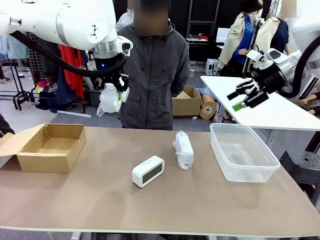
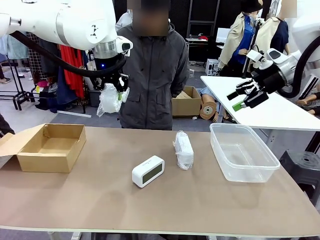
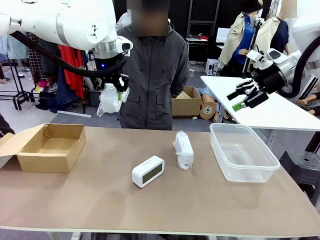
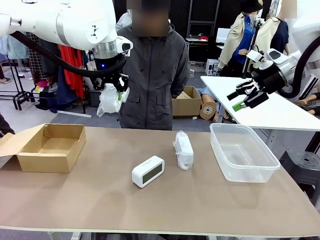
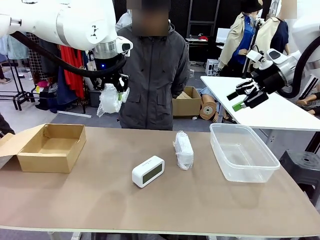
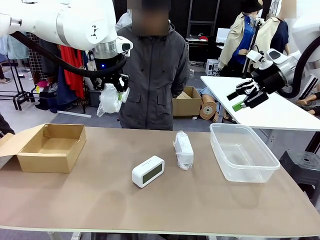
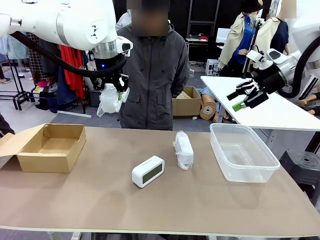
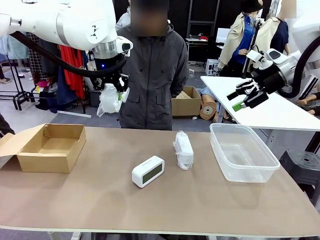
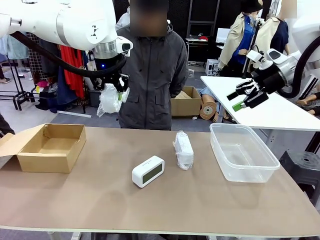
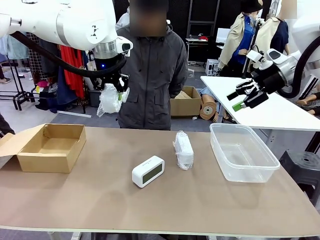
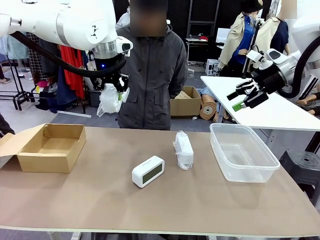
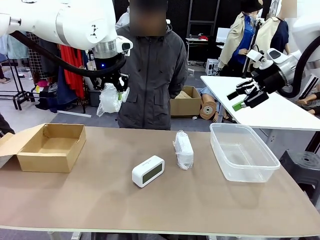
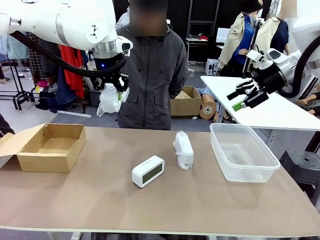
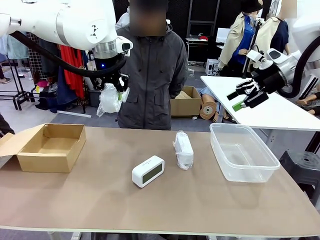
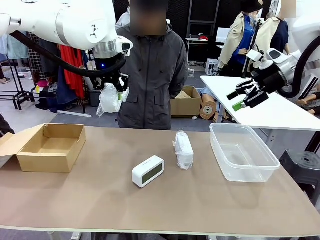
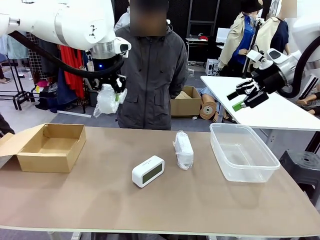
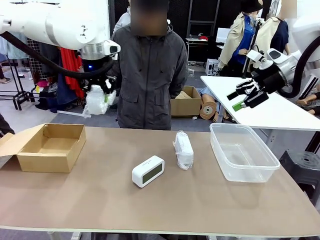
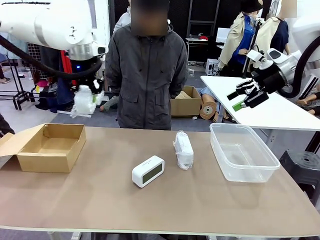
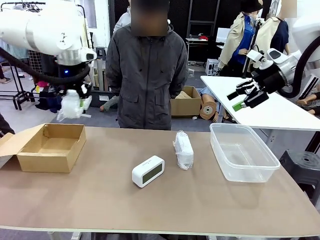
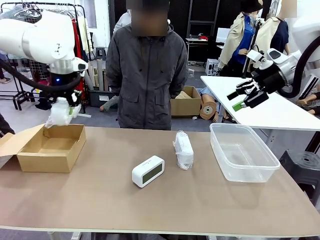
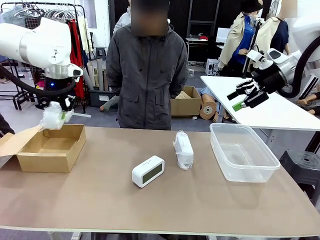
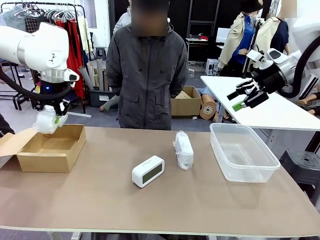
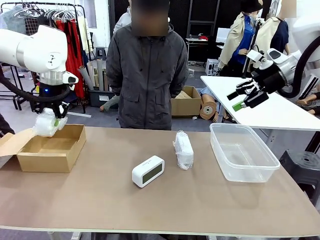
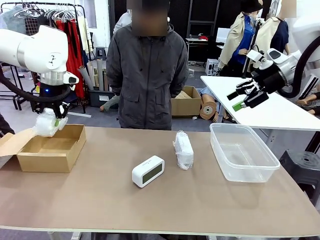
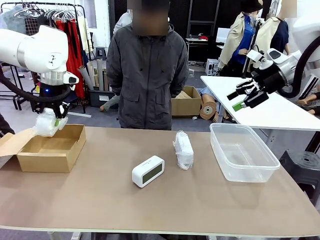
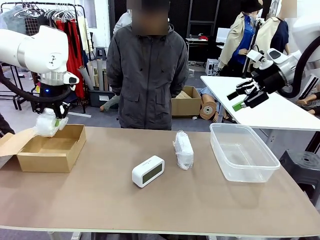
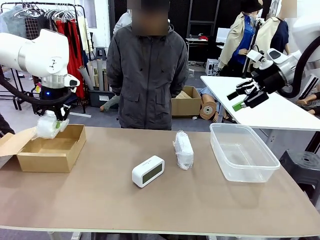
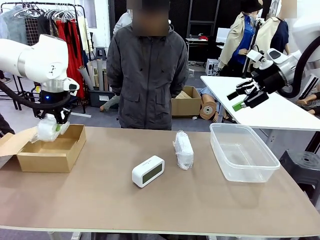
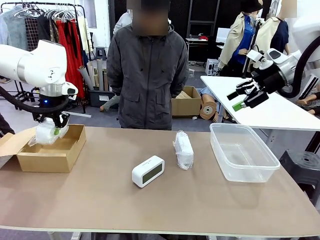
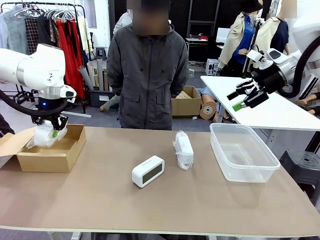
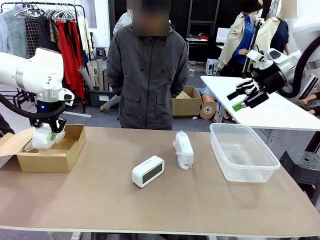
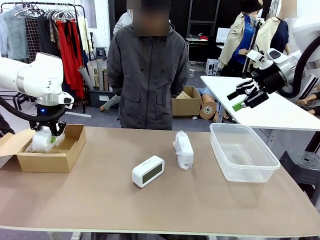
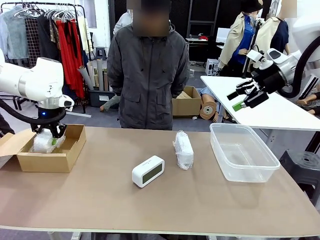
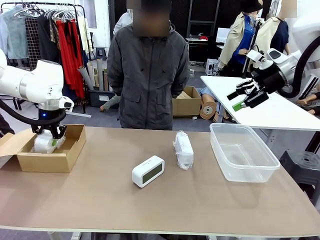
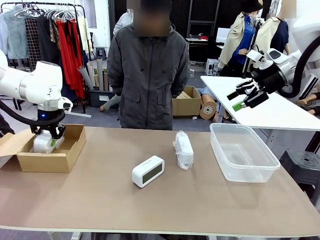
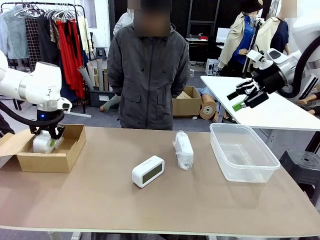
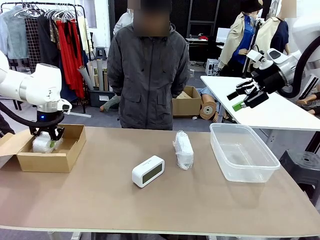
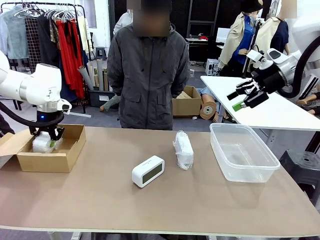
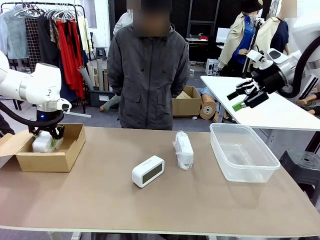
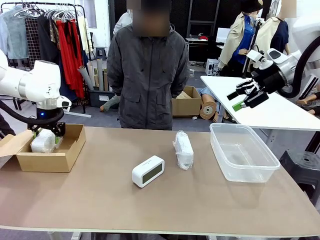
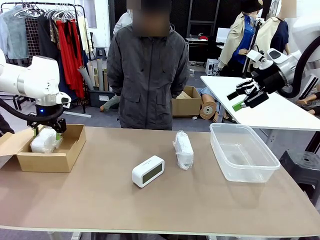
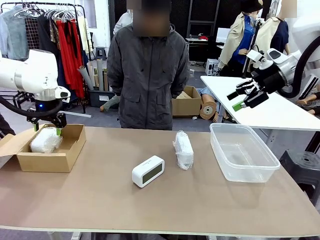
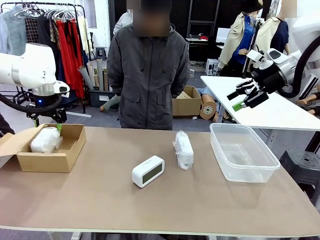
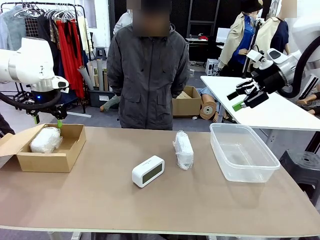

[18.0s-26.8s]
Task: Separate and place wrapped and unwrapped clocks.
Robot: If the picked Digital clock is wrapped, place it in the Package Box ; if not, place it in the Organizing box.

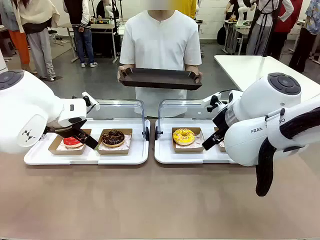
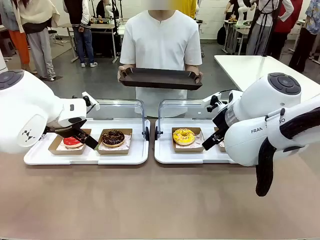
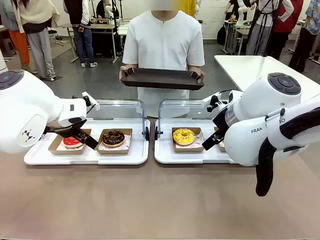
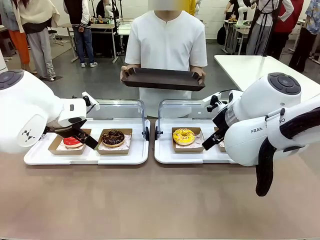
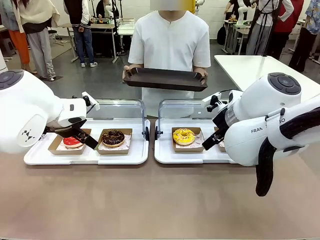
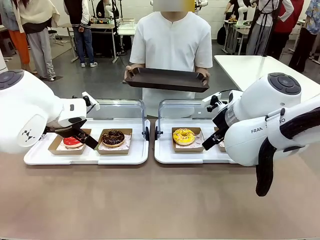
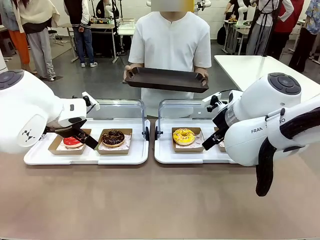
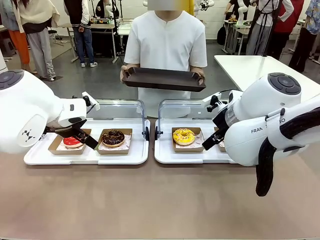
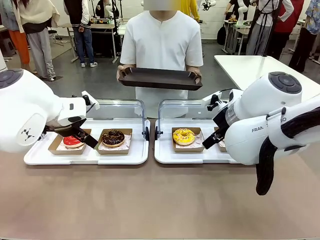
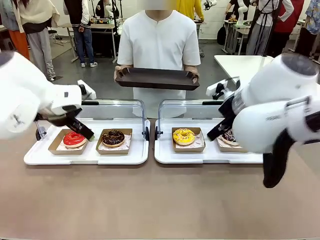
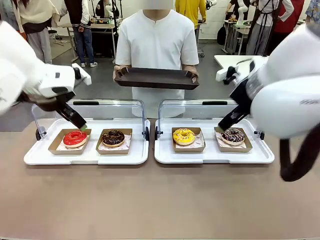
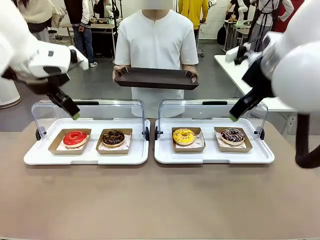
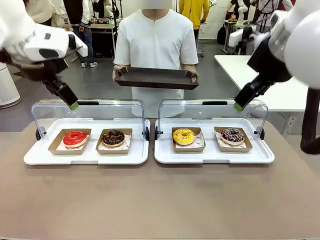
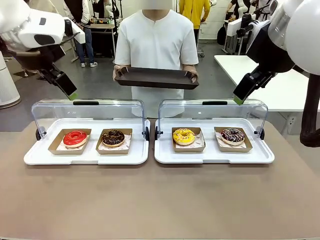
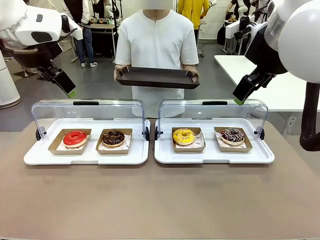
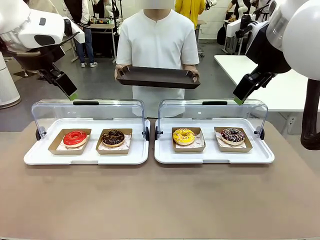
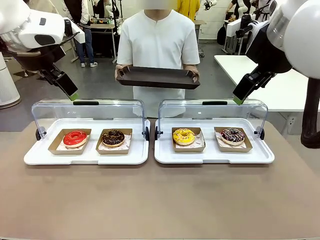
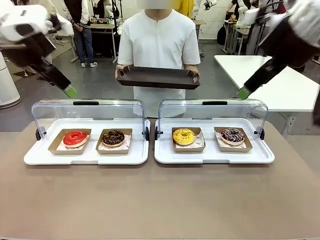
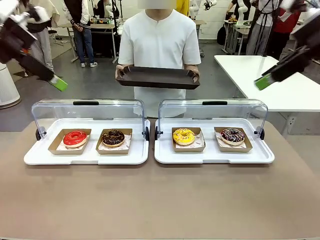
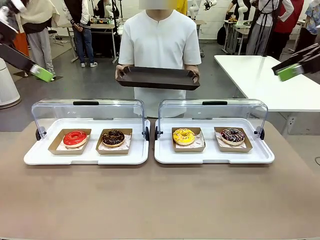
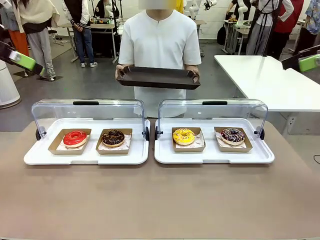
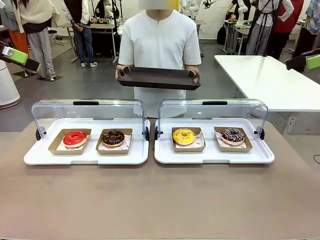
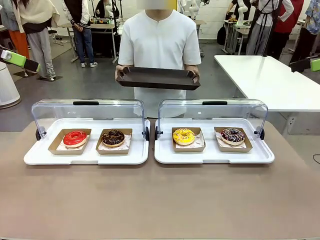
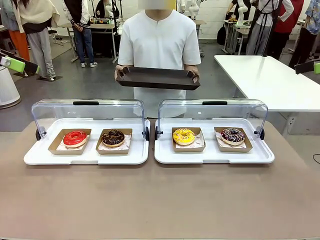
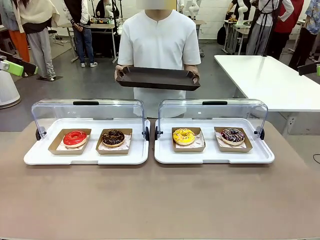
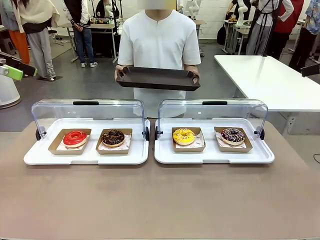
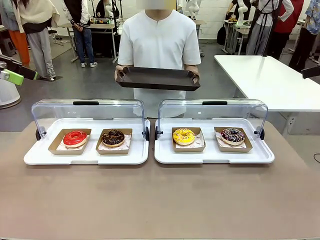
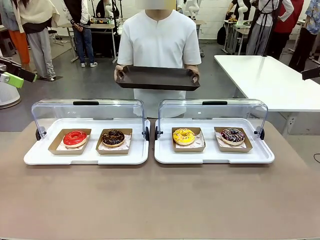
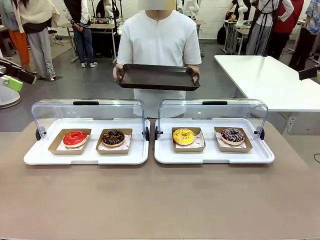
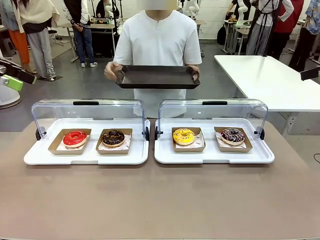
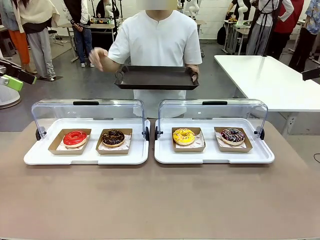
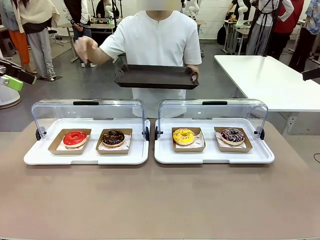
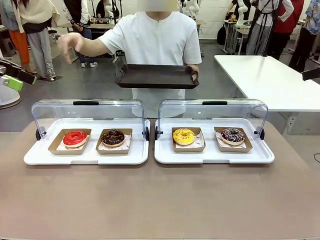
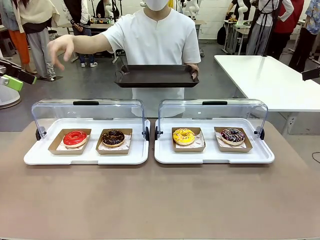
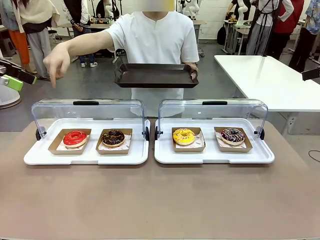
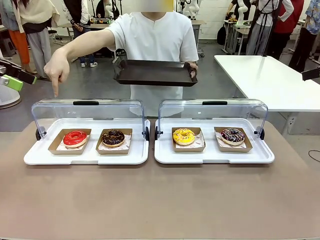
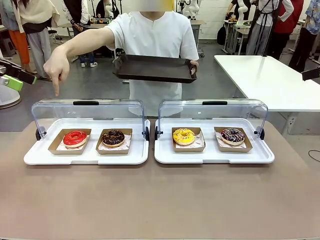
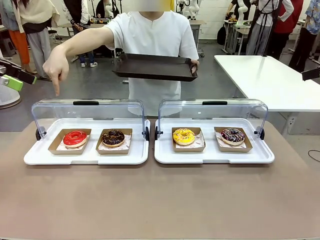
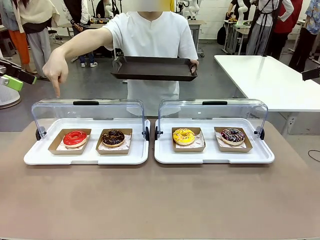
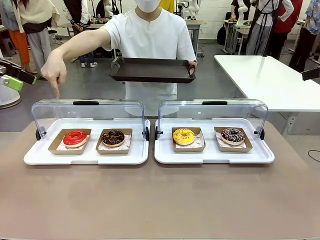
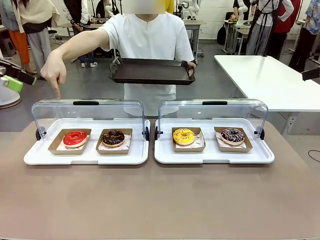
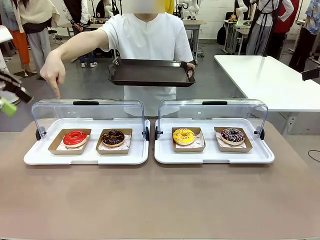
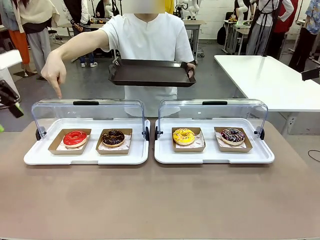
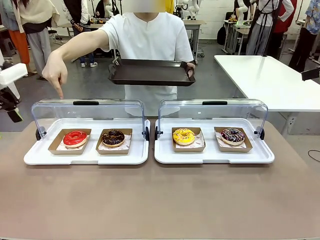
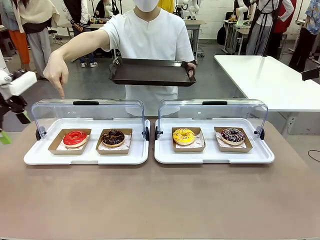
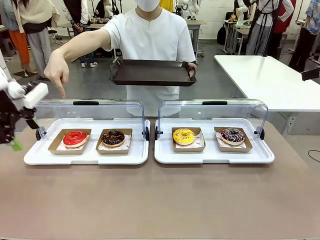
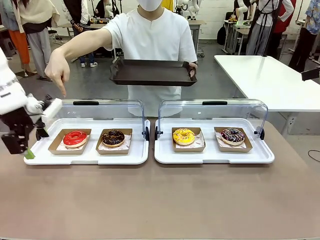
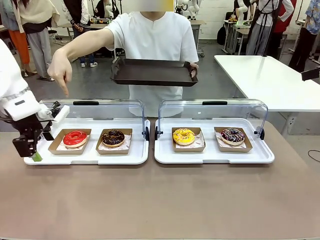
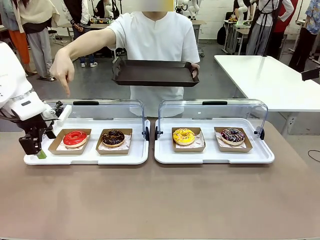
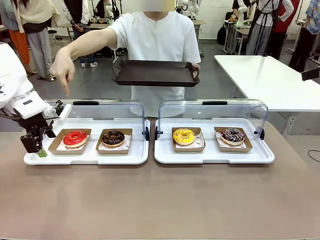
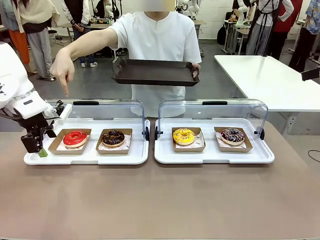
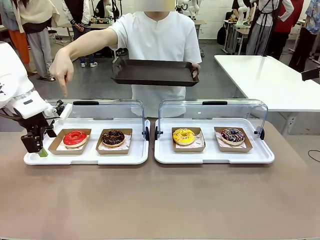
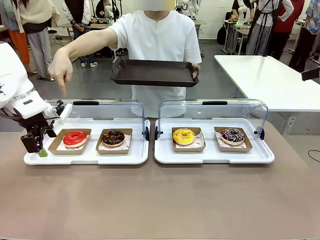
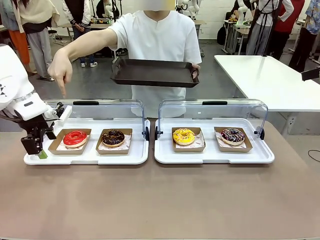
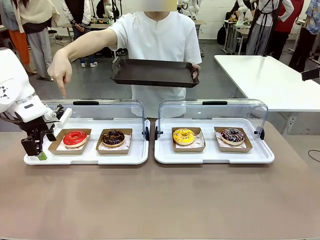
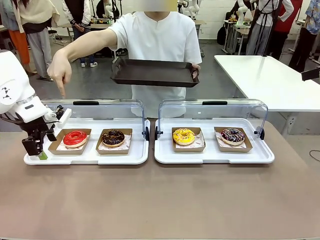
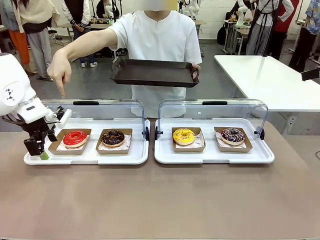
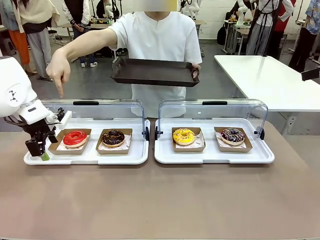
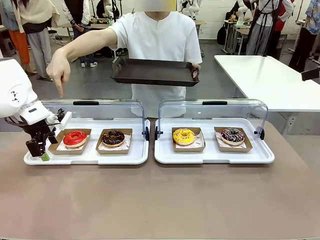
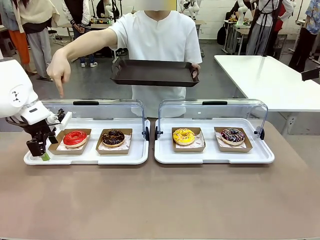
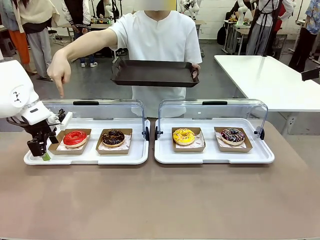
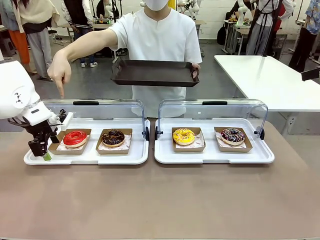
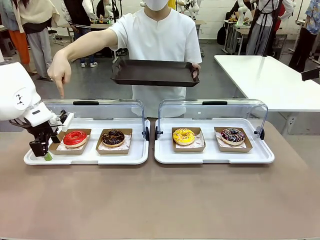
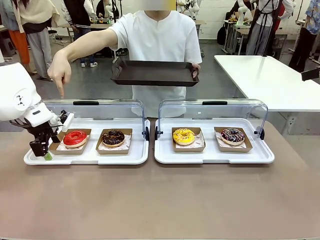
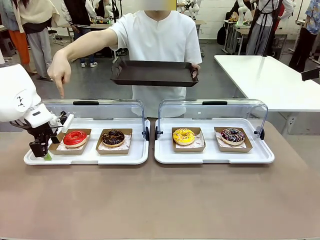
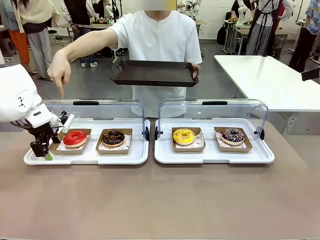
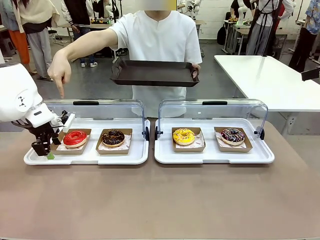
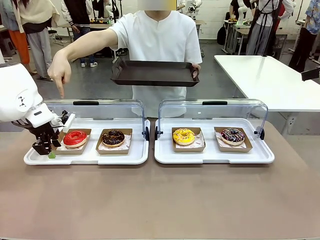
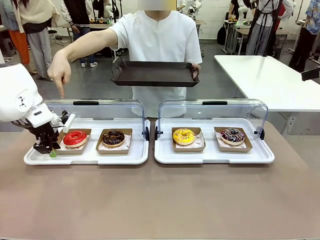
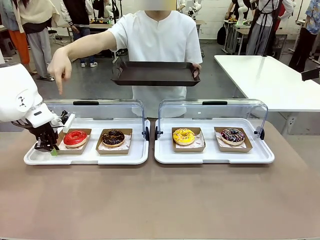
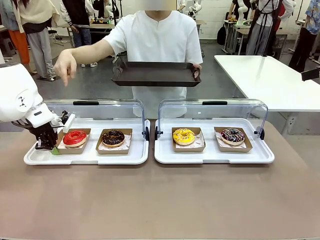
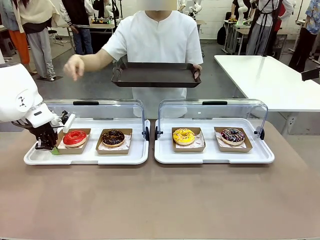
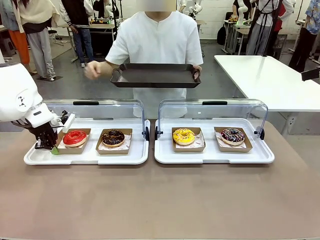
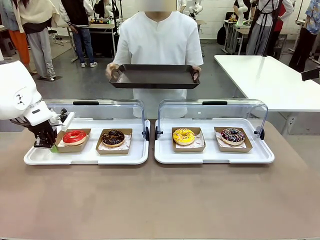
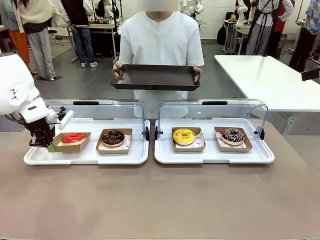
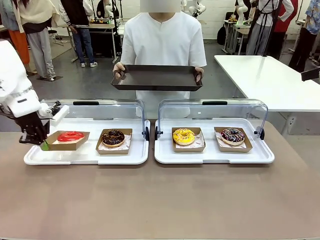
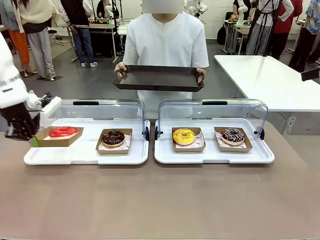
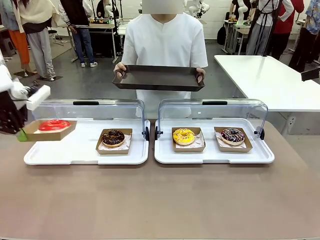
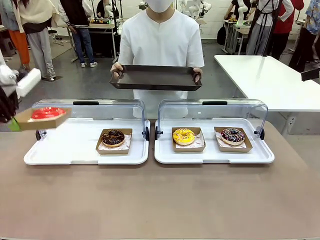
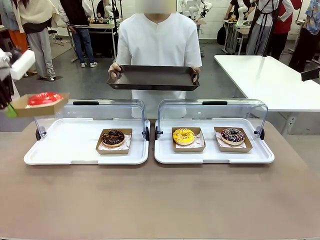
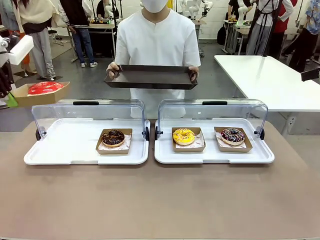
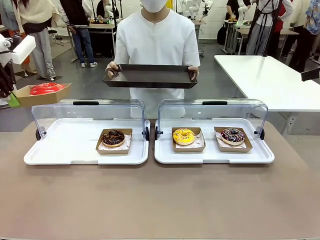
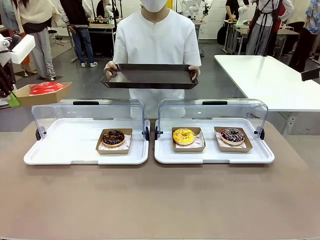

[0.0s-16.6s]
Task: Provide the desired donut to the person.
Robot: Pick up and lift the Paper togo box containing the Donut pointed at by the person.
Person: Point to one donut. Lift the tray onto the Roll-Top Bakery Case.
